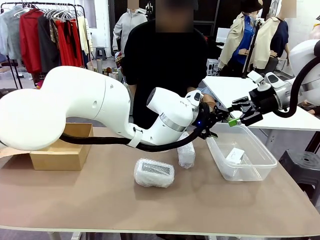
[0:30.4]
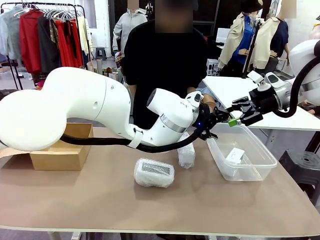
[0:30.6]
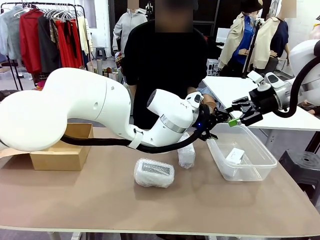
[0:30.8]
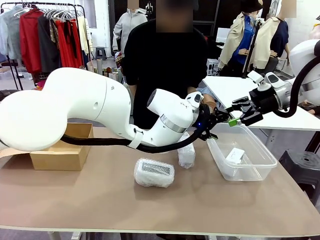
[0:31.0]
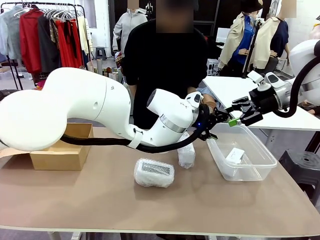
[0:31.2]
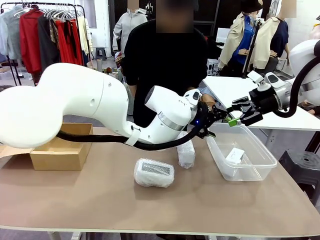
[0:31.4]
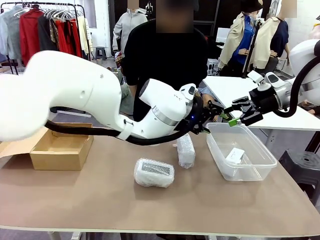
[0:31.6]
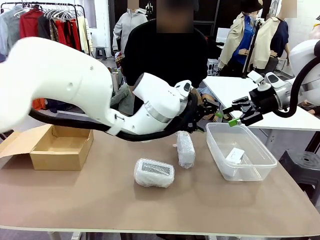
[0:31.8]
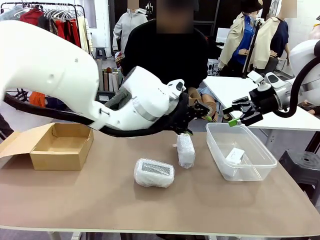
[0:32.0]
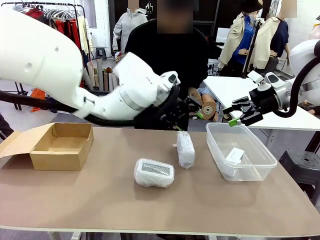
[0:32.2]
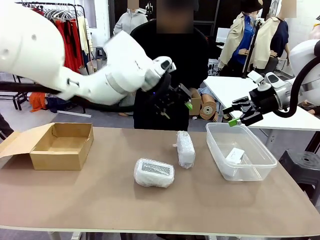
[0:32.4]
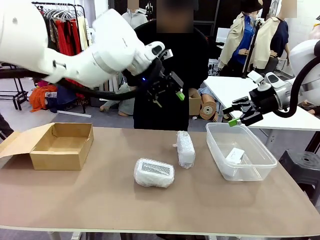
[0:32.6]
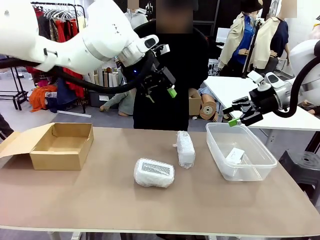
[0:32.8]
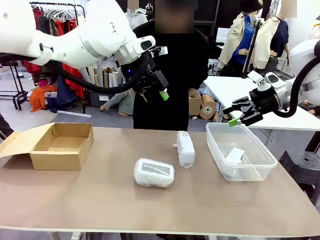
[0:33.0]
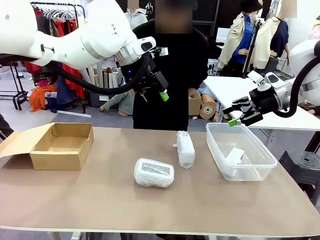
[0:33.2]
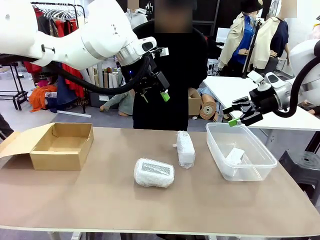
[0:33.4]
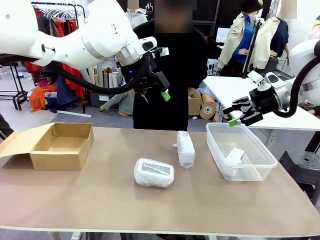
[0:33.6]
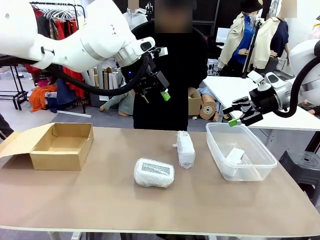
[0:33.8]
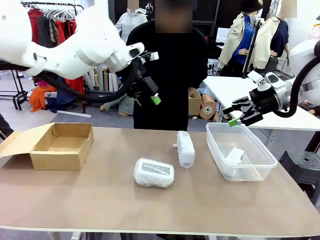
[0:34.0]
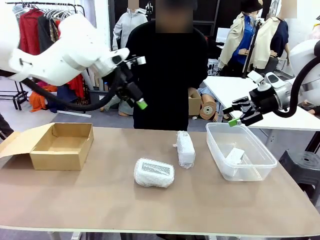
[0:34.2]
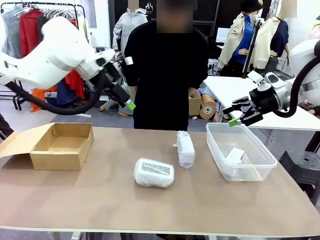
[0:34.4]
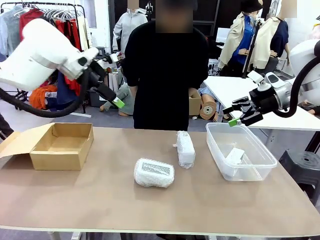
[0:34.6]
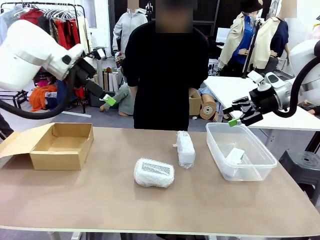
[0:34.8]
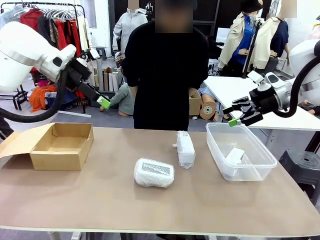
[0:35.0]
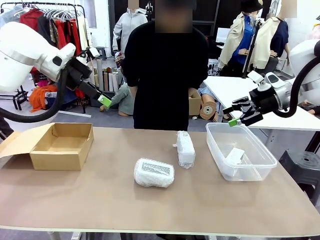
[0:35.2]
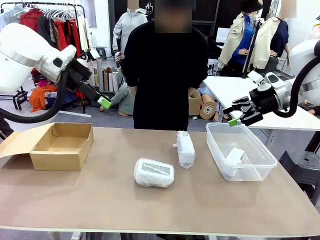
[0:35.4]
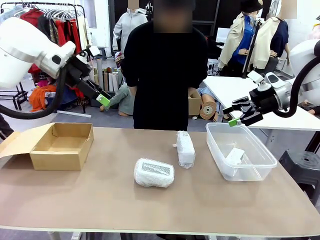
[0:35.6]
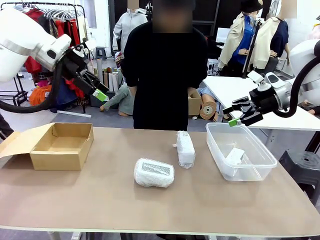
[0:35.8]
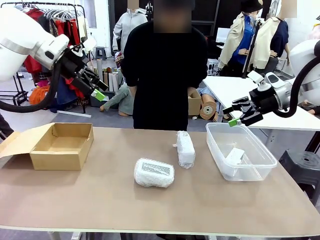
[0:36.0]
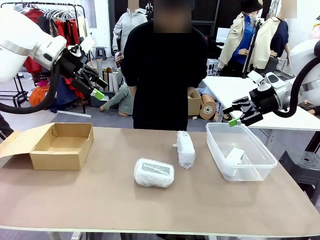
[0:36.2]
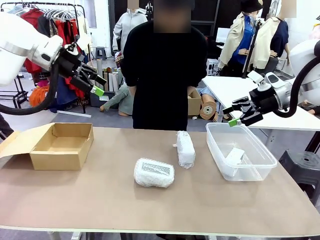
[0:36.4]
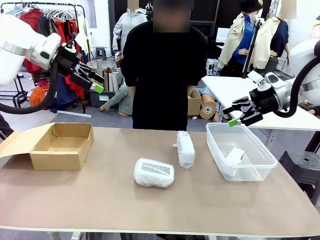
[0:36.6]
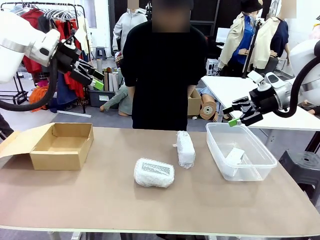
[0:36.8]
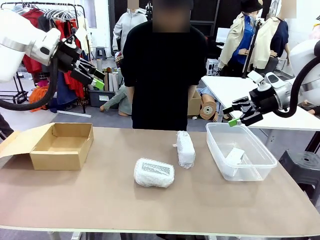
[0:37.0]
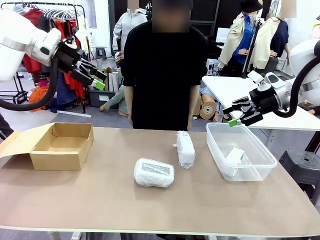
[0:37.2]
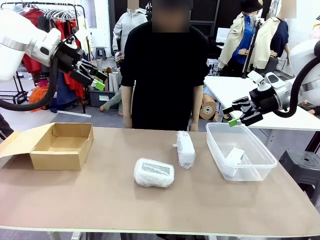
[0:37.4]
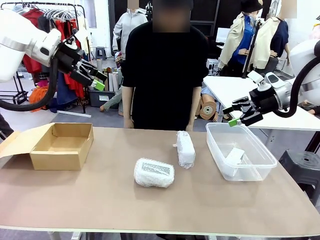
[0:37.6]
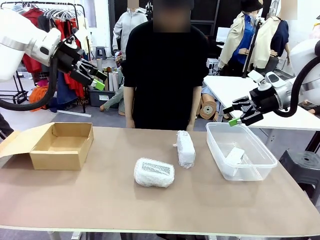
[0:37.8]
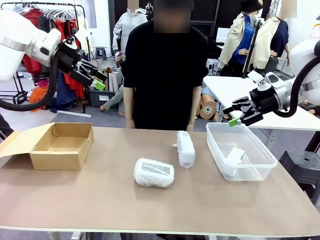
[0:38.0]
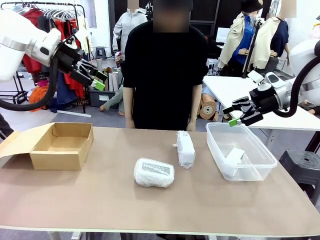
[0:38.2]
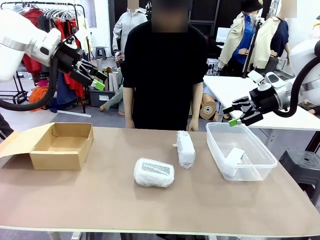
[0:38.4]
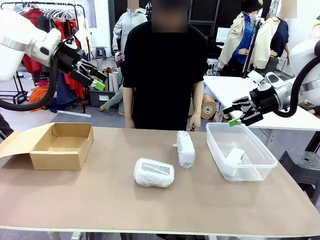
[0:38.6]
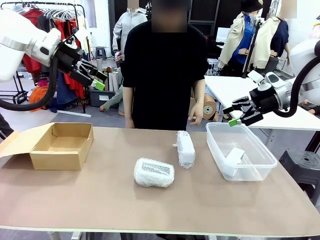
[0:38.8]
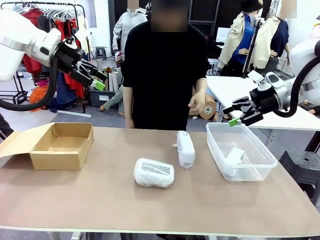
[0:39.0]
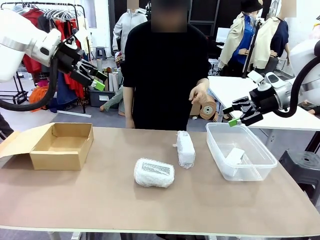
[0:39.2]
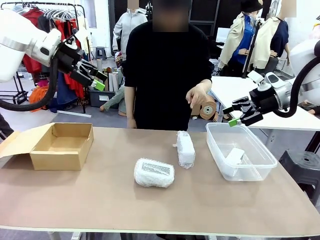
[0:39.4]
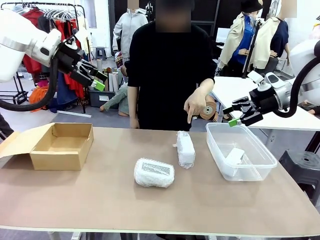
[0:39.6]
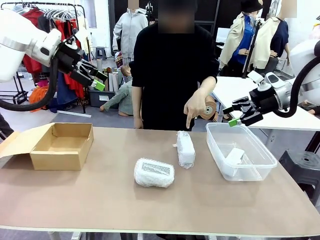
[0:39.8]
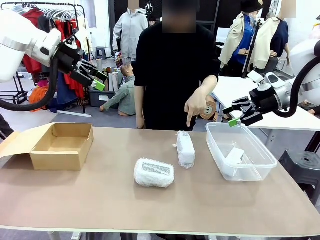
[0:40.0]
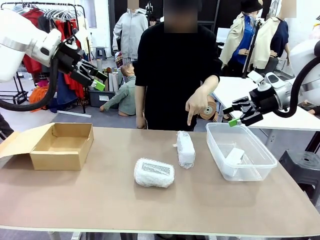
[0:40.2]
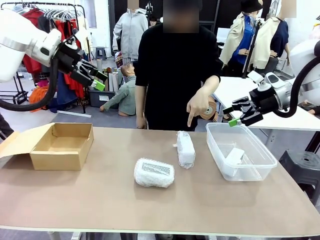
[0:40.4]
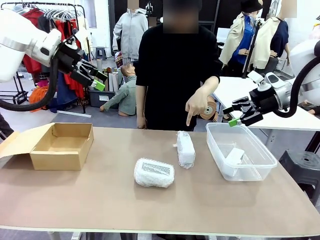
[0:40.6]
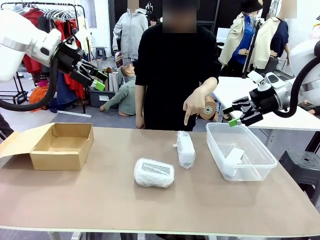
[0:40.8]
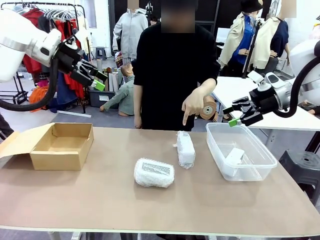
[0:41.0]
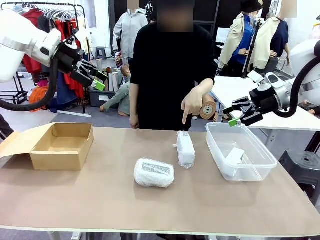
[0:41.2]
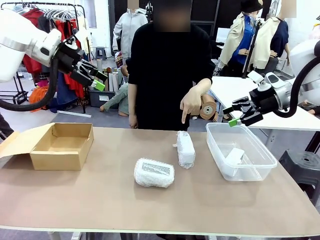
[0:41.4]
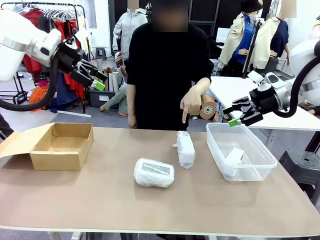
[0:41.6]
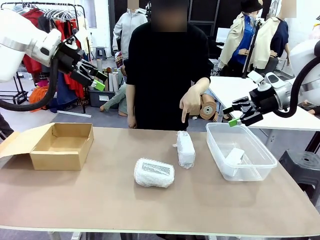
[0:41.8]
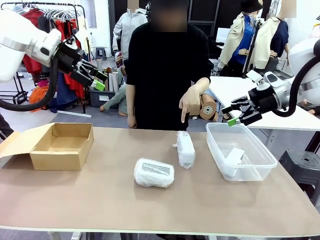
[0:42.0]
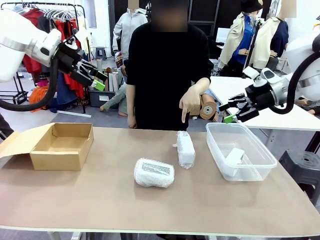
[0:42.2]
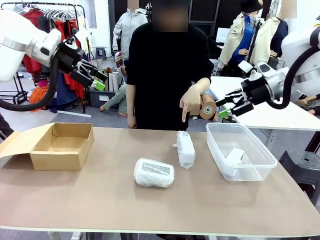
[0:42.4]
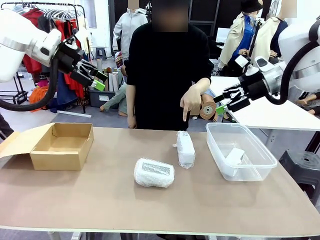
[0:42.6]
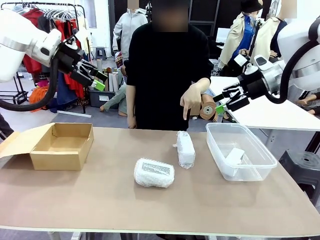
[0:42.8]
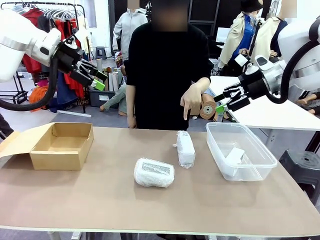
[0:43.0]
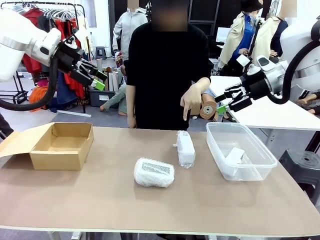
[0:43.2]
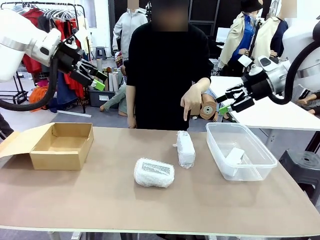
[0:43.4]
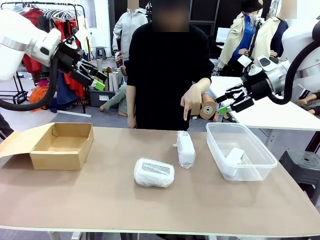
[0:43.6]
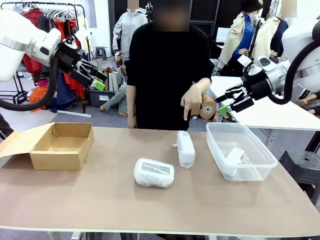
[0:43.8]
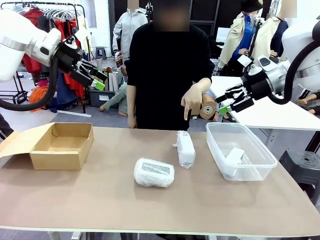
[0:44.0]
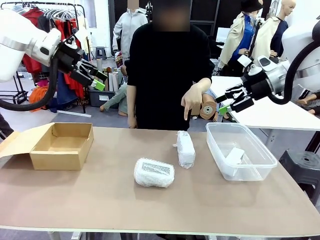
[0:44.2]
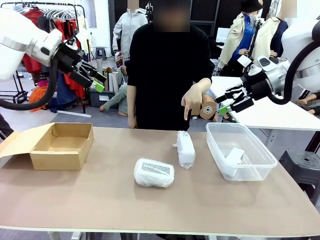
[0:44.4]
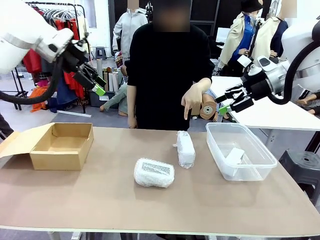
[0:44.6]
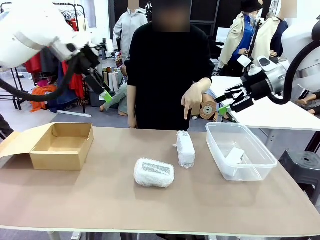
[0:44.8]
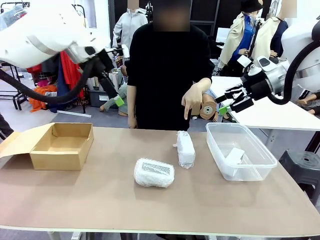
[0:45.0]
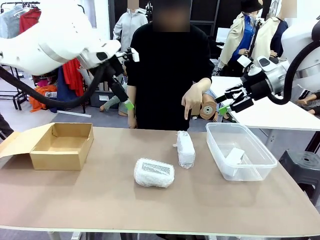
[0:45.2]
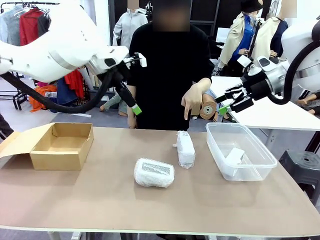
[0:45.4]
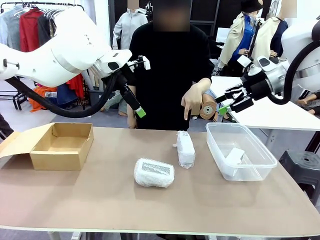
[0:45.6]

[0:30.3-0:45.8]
Task: Separate and place wrapped and unwrapped clocks.
Robot: Pick up the Digital clock indicated by the person.
